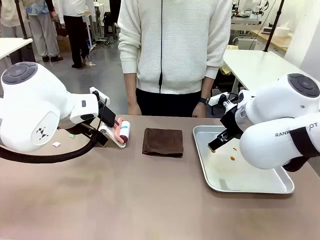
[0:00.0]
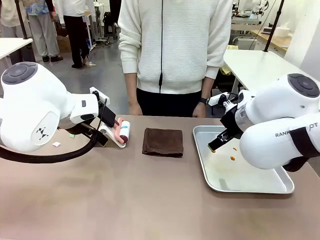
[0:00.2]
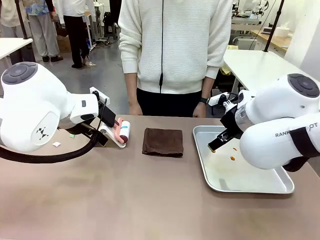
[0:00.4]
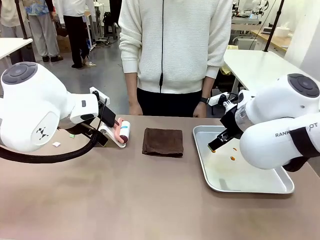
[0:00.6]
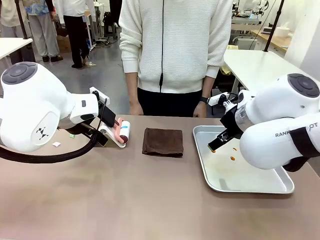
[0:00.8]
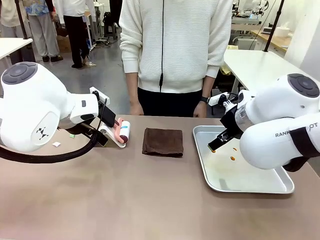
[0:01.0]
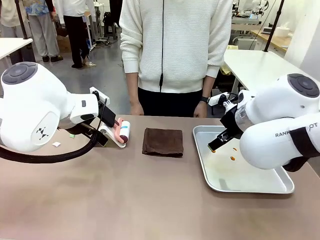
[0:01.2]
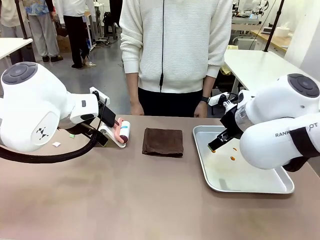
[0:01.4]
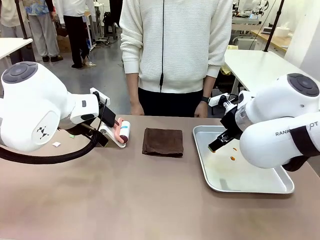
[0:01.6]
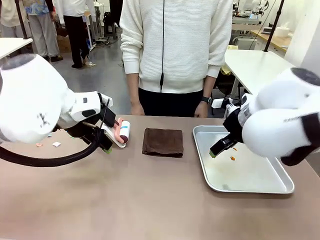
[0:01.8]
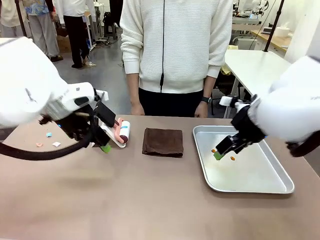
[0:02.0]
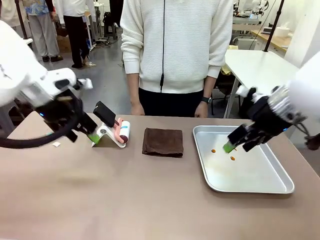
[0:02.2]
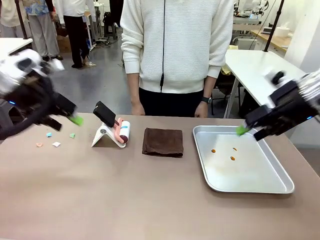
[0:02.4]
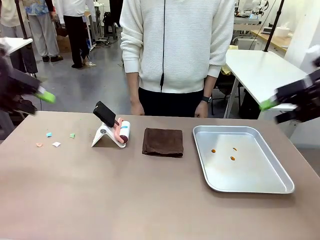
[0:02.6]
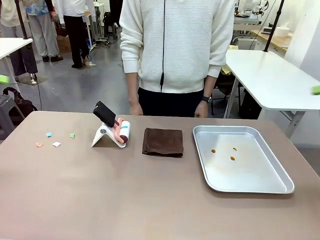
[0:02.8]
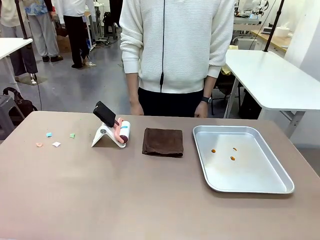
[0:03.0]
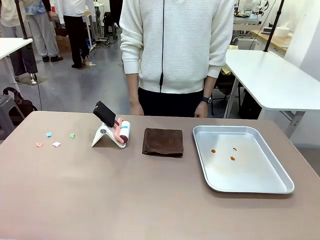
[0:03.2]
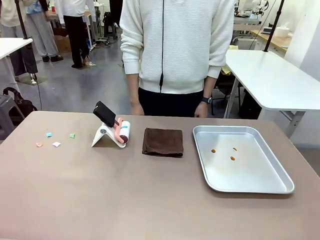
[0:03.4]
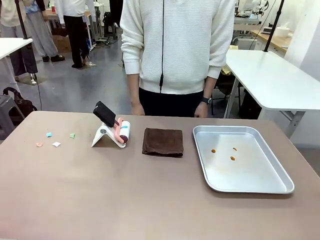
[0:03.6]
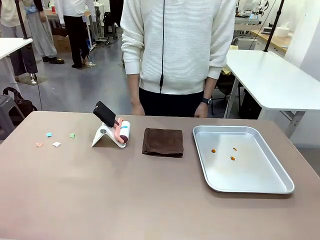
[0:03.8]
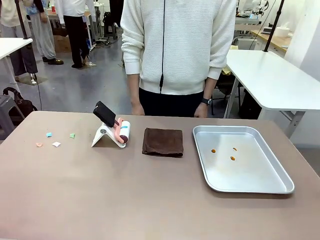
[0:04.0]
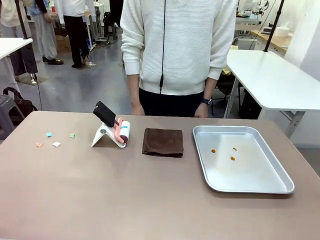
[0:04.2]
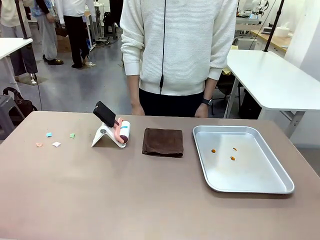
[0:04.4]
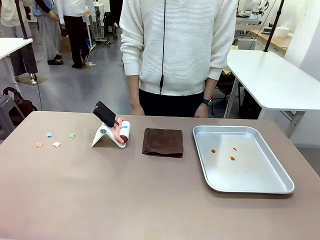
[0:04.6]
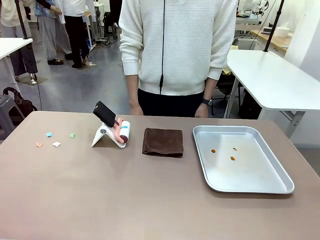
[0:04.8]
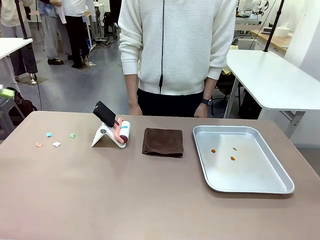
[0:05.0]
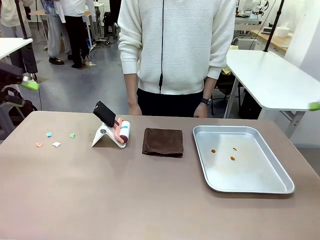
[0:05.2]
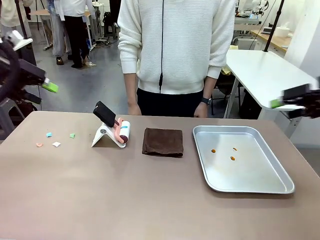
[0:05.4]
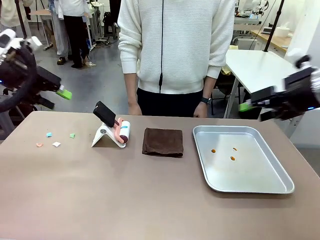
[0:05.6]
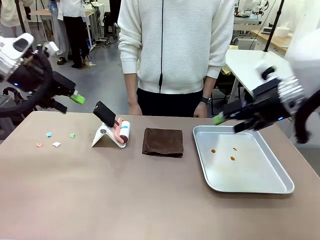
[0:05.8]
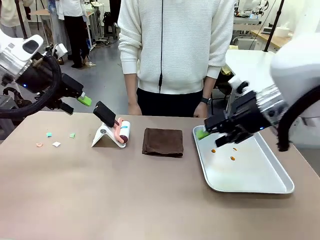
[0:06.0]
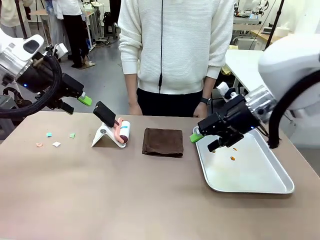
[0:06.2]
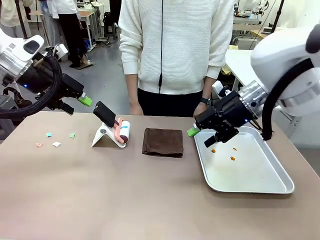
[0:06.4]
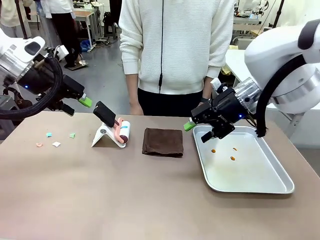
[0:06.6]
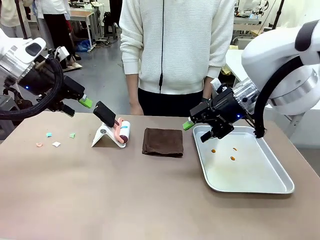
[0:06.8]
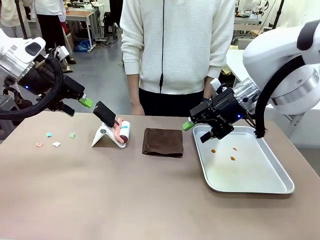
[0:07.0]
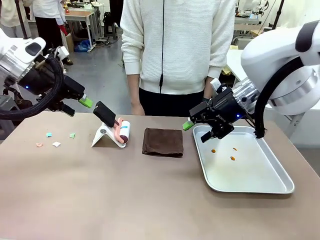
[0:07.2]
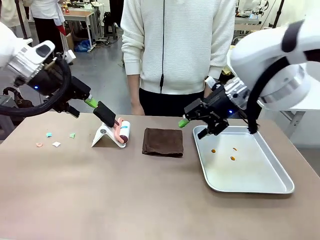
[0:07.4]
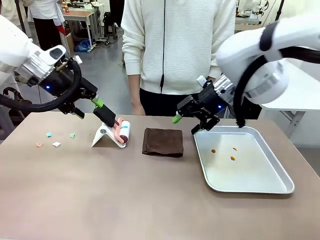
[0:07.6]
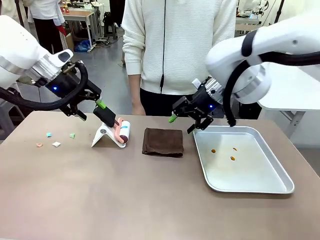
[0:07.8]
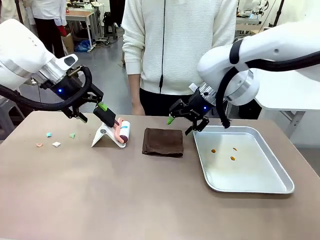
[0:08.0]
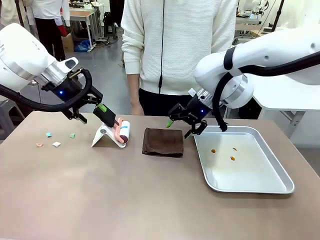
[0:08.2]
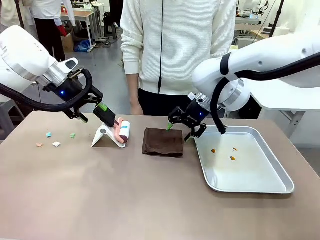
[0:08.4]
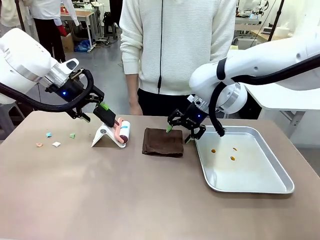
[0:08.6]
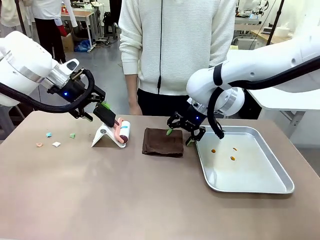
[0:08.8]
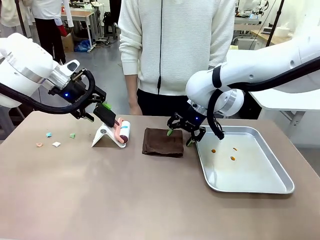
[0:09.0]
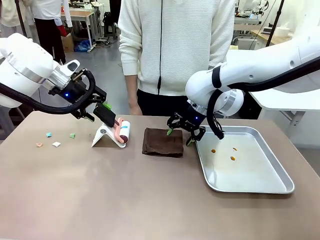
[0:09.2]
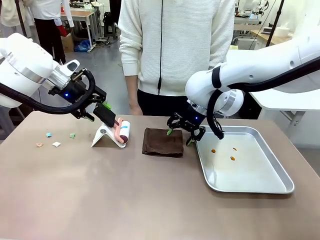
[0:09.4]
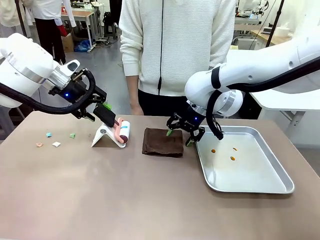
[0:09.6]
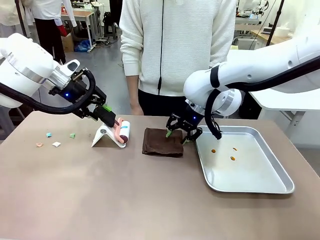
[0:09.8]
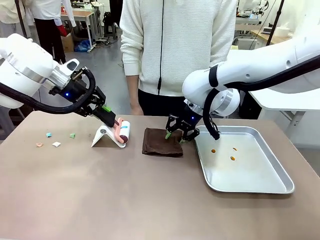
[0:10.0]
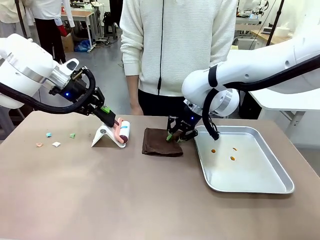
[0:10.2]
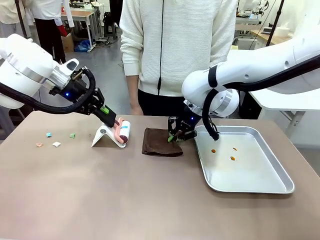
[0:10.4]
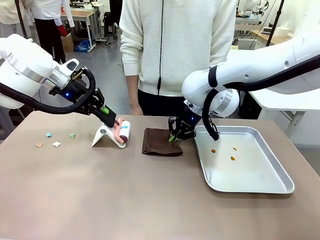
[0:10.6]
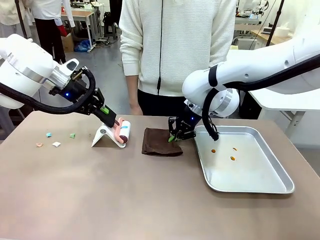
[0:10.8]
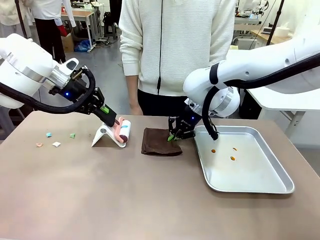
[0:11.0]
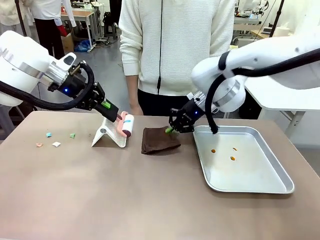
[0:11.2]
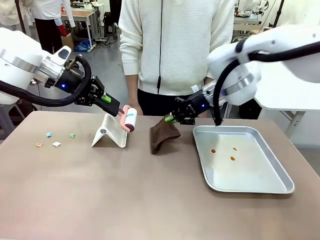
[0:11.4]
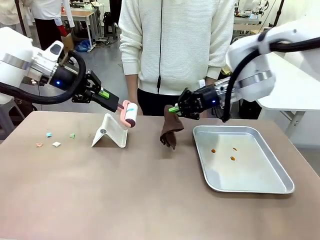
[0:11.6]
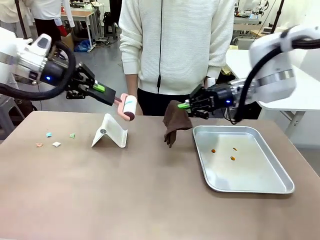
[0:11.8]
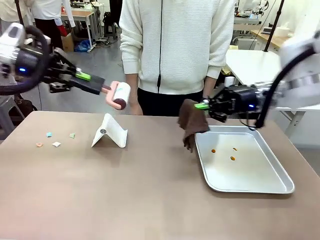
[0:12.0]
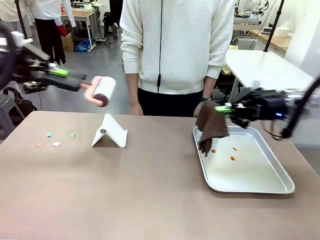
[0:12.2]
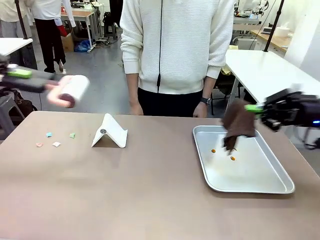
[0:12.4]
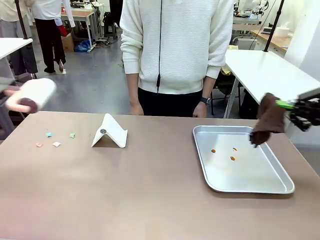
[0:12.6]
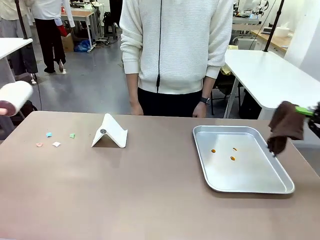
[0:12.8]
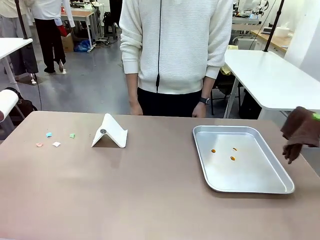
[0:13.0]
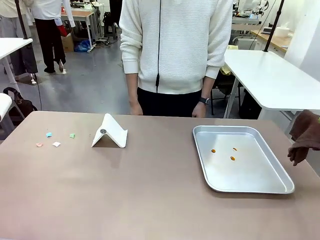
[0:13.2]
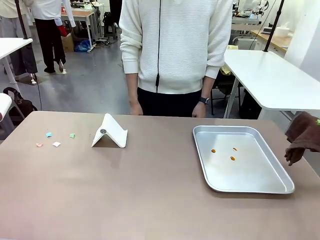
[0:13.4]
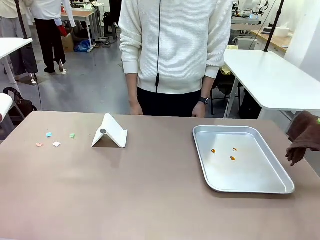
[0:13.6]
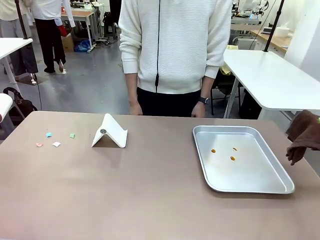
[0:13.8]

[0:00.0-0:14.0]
Task: Clean the surface of the table.
Robot: Hold the Lint Roller with your left hand and the towel with your right hand.

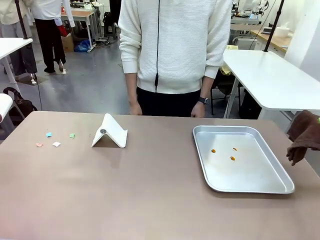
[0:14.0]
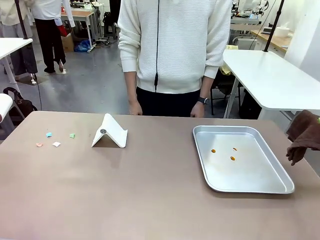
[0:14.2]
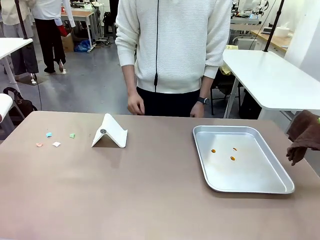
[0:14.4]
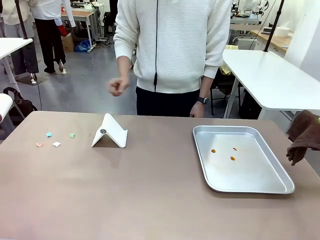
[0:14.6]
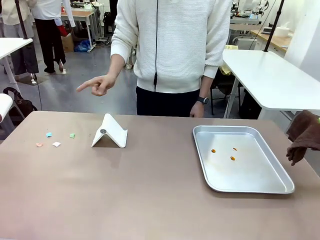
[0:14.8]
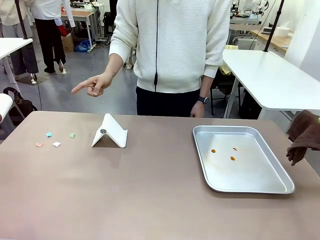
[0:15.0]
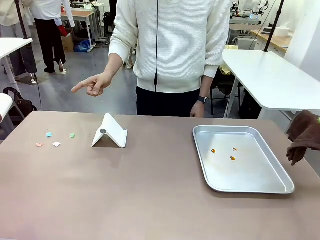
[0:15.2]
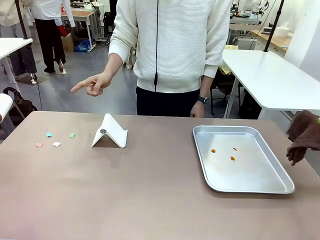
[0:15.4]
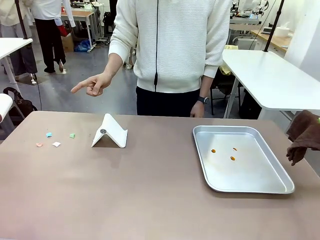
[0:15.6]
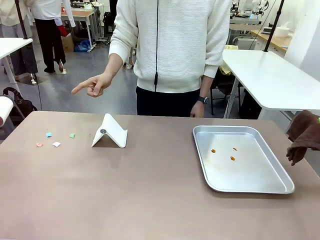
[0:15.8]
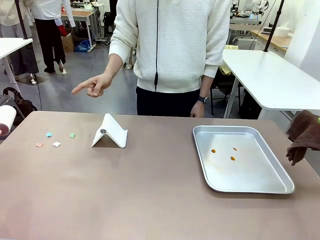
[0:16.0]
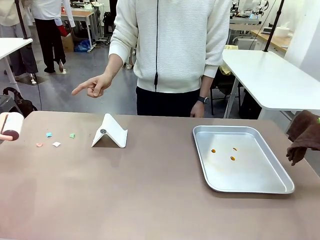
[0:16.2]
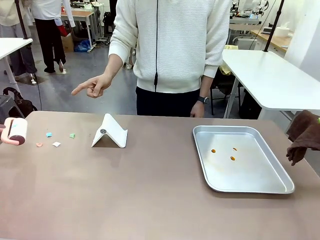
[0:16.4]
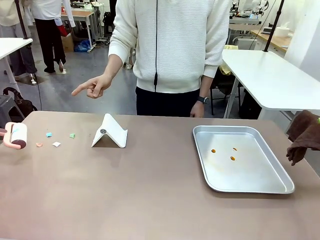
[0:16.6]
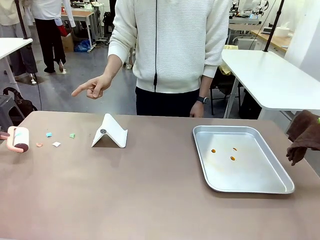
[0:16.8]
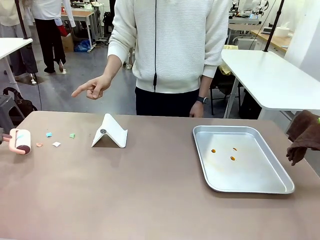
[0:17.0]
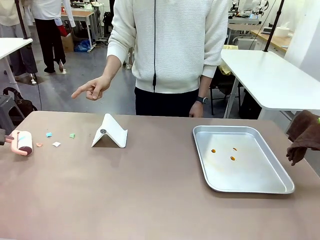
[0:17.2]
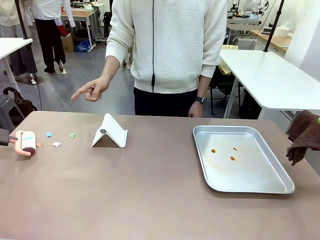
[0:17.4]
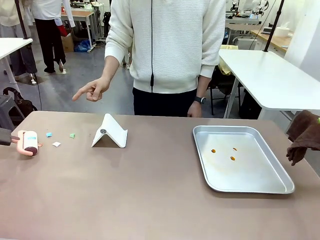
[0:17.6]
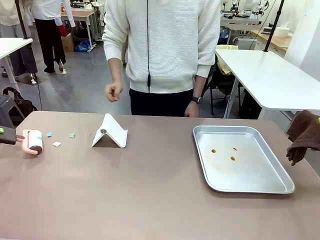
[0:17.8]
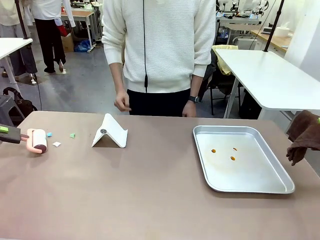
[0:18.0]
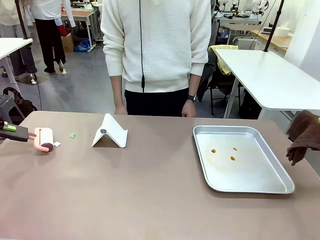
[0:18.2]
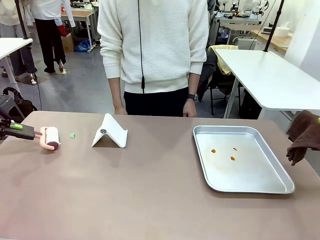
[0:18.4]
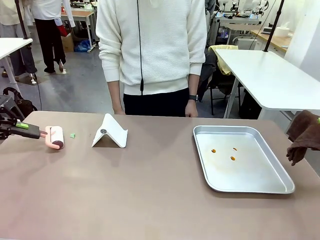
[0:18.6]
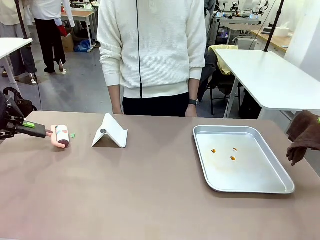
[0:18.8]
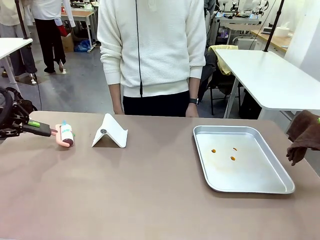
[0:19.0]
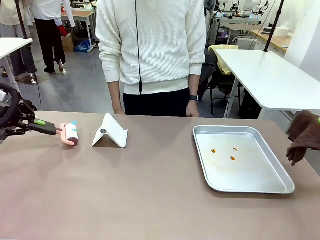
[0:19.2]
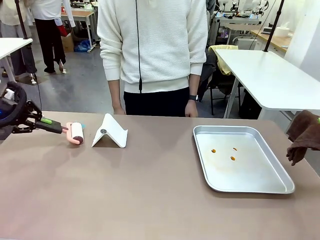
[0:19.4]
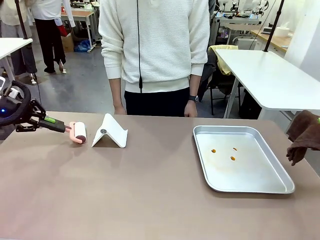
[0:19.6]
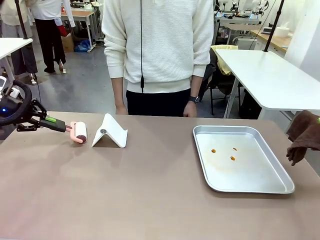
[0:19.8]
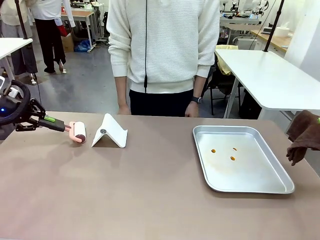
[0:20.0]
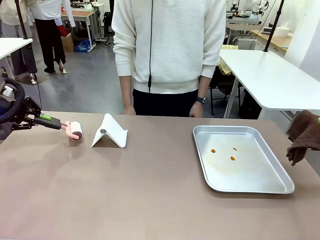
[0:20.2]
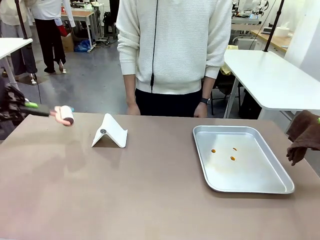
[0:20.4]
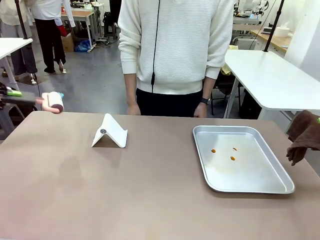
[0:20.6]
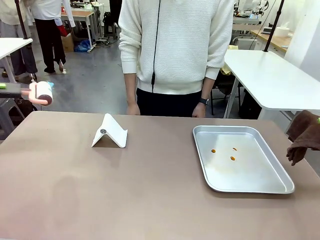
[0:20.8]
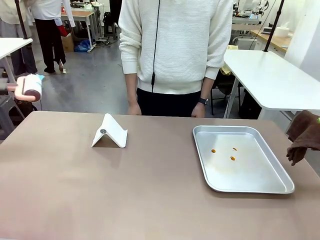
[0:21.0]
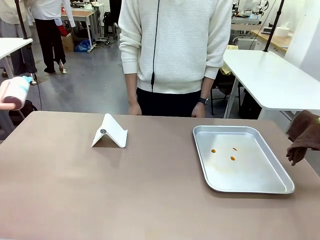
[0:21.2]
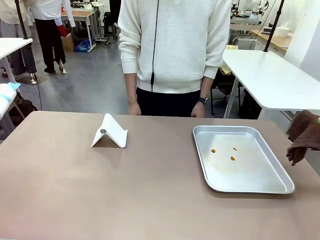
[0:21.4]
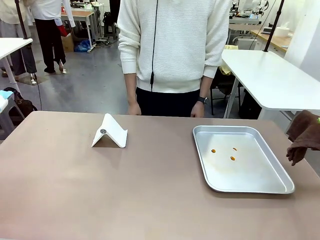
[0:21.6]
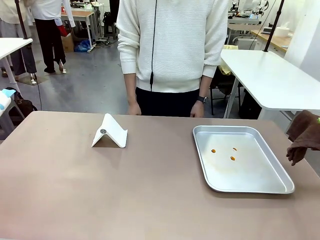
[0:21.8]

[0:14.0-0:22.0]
Robot: If a person points to the right, clean the right side of the table with your right hand, and if they point to the left, clean the left side with your left hand.
